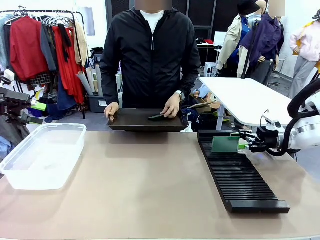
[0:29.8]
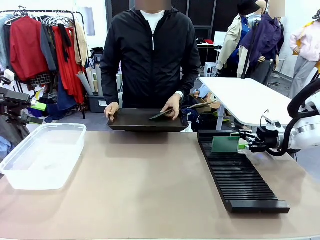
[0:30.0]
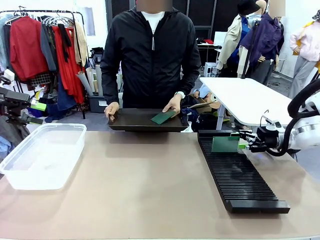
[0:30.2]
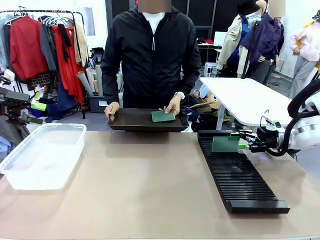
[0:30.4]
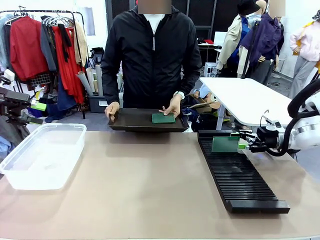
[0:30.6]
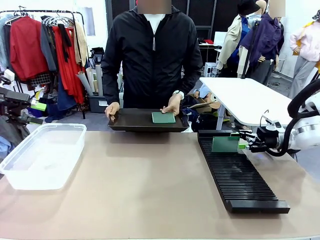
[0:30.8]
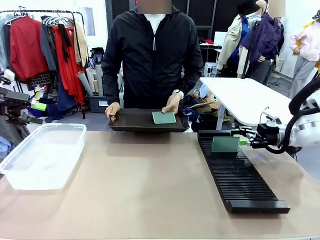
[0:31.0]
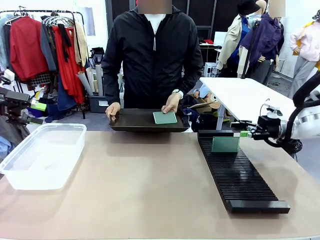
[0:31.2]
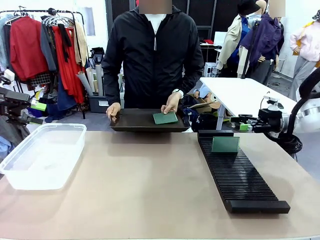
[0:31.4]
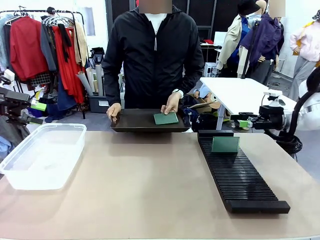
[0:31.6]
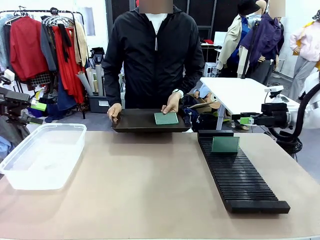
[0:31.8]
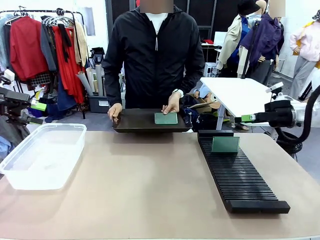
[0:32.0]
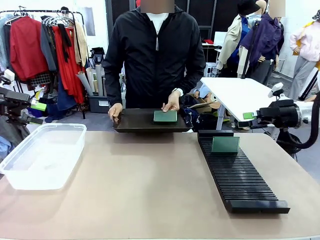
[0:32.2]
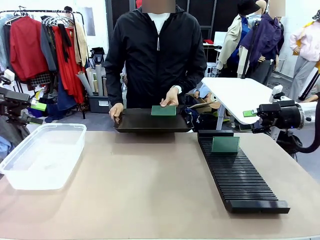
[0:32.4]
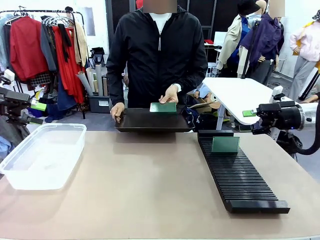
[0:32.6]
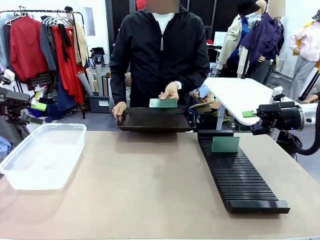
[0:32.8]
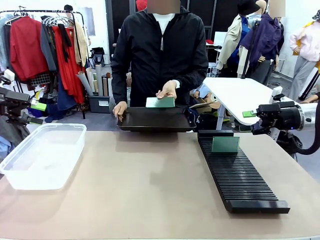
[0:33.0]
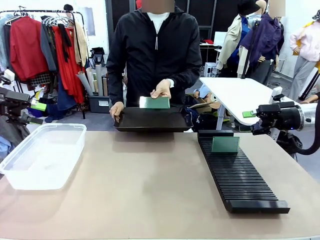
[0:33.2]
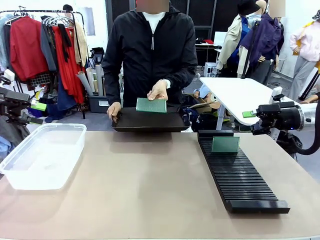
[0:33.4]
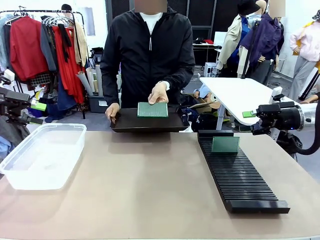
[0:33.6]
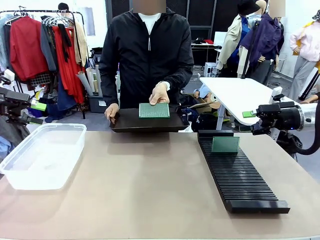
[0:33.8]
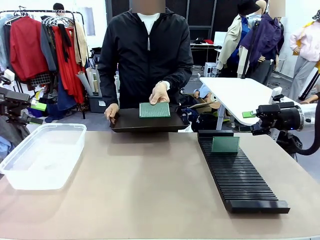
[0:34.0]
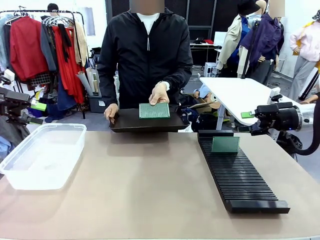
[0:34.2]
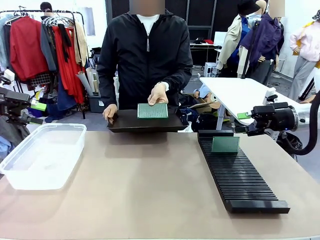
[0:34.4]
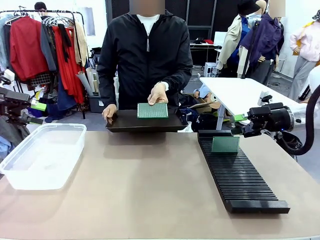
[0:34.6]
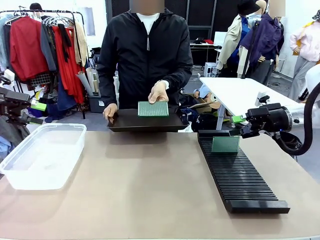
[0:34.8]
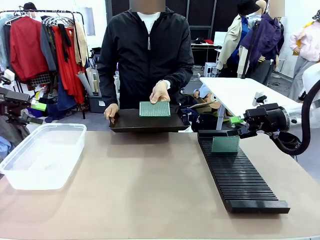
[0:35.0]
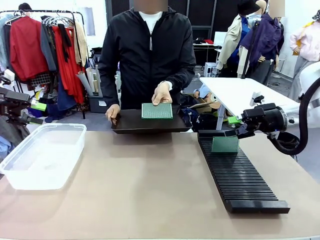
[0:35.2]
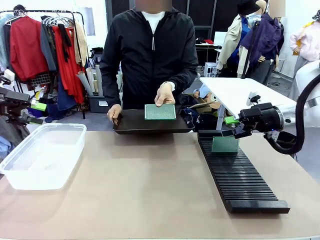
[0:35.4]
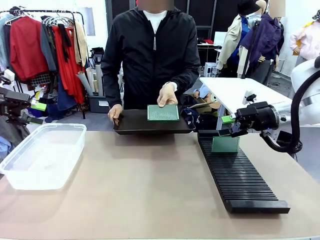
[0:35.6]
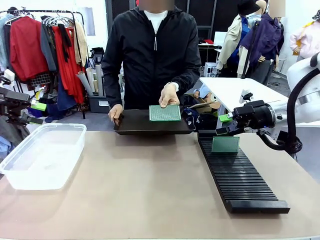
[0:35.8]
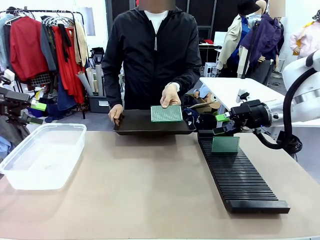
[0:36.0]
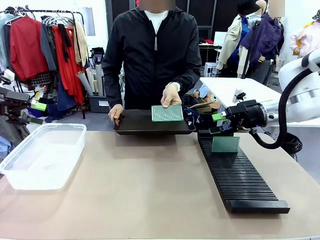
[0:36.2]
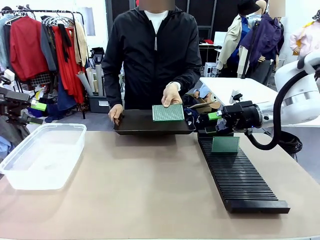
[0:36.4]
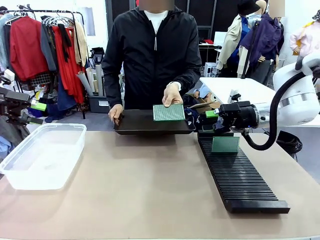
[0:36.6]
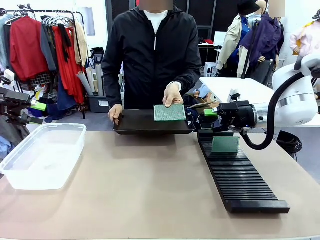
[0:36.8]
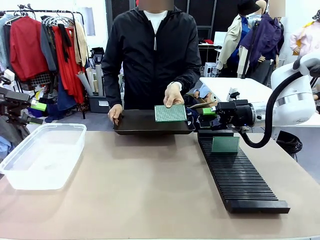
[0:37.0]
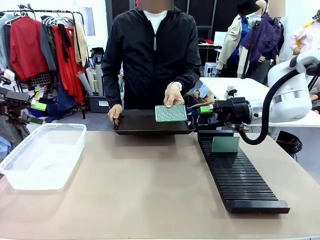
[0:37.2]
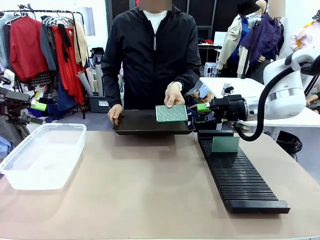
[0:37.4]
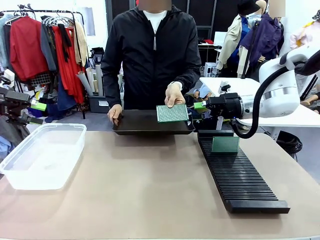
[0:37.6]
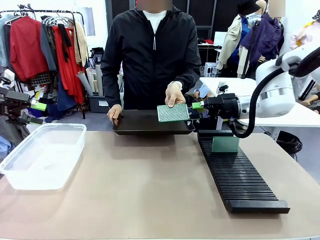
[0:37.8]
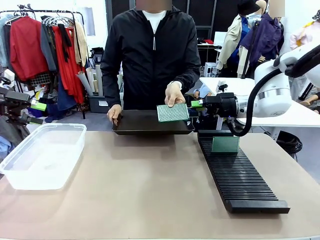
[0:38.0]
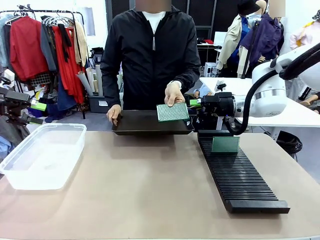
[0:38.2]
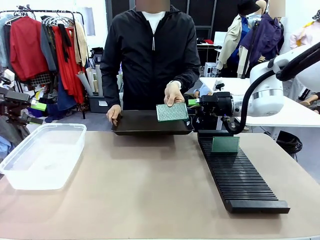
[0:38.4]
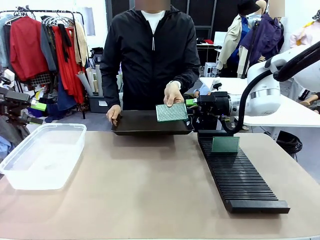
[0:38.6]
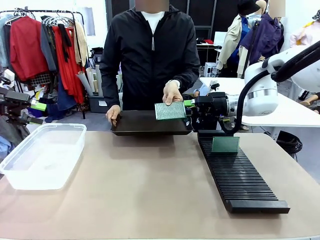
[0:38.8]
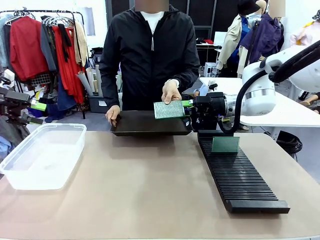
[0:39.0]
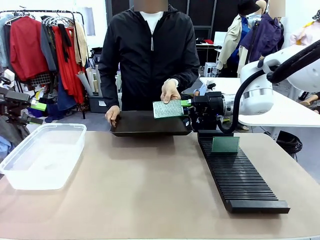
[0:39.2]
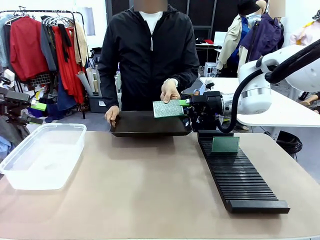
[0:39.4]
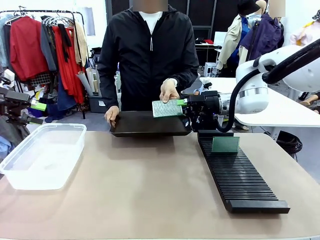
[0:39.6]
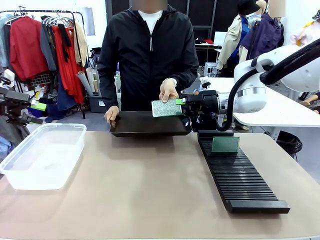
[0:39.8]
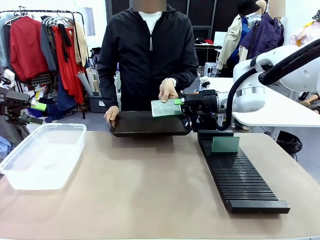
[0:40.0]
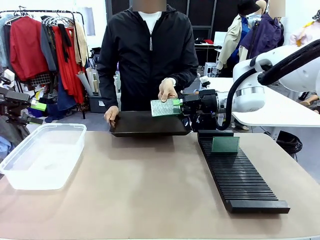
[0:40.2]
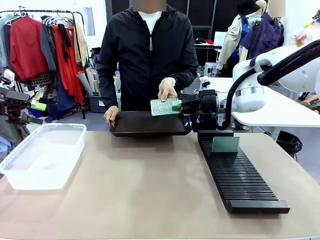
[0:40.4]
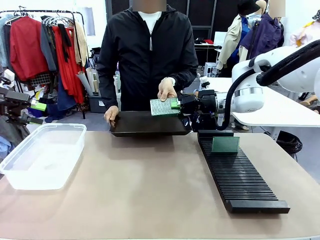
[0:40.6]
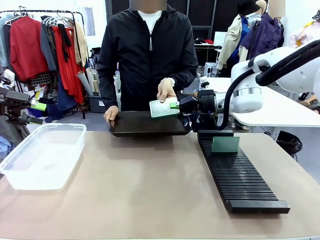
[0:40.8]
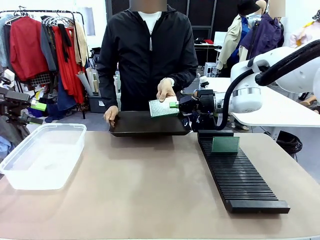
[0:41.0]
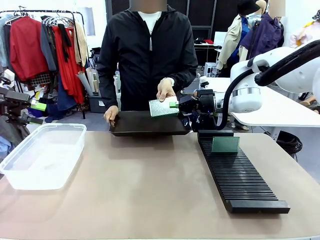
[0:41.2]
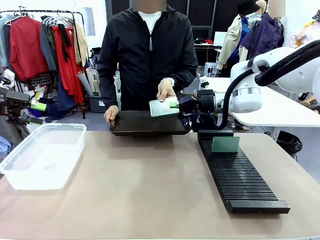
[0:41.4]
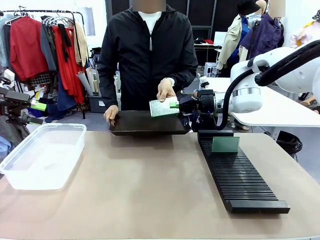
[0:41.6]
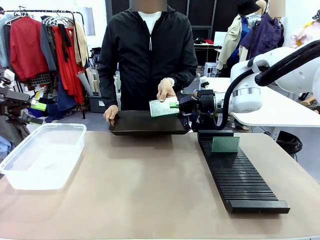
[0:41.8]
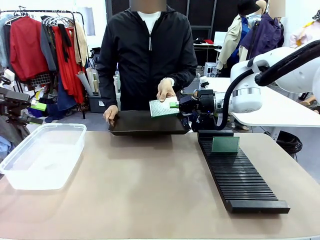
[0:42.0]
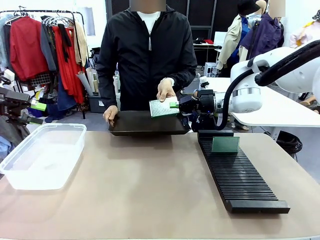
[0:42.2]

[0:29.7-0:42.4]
Task: Sort PCBs into racks and boxes based on the side picked up.
Robot: Pick up the Blank PCB handed by the Human.

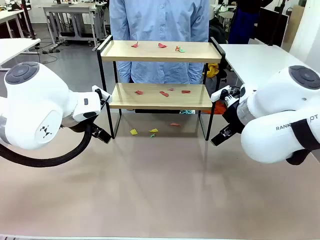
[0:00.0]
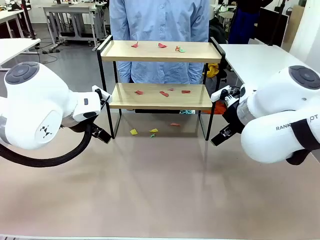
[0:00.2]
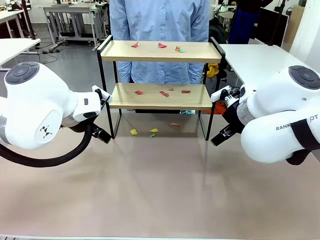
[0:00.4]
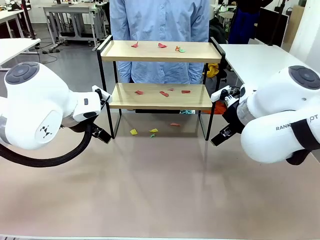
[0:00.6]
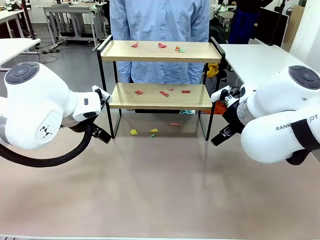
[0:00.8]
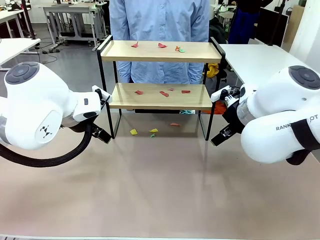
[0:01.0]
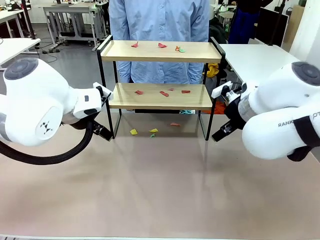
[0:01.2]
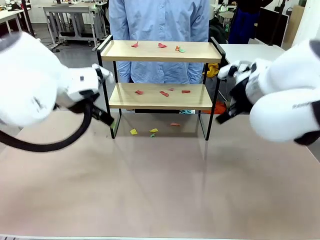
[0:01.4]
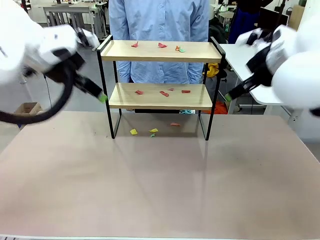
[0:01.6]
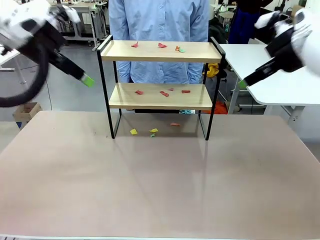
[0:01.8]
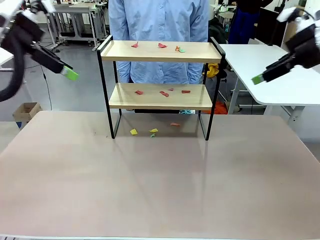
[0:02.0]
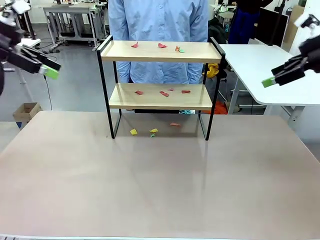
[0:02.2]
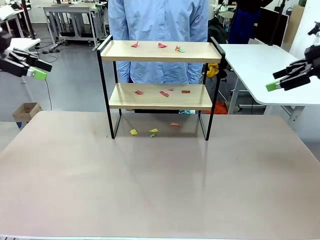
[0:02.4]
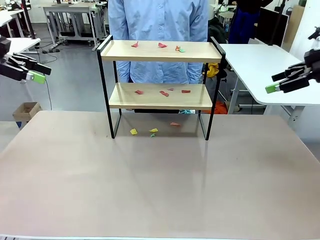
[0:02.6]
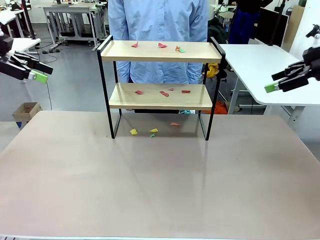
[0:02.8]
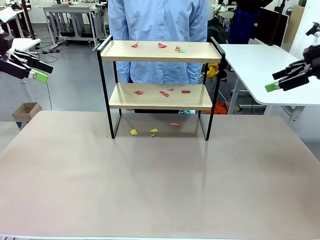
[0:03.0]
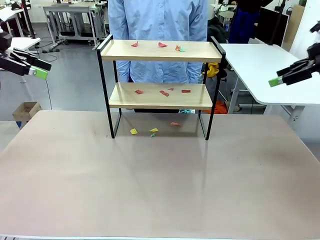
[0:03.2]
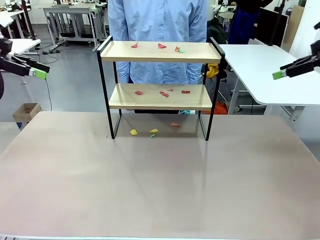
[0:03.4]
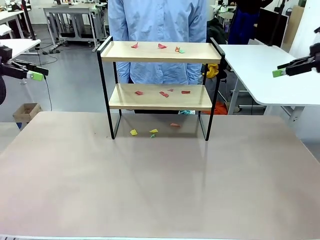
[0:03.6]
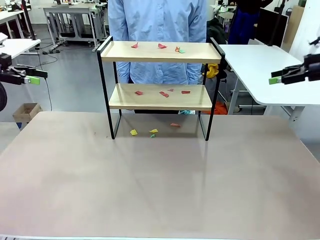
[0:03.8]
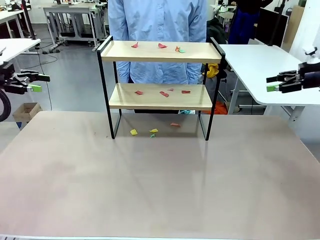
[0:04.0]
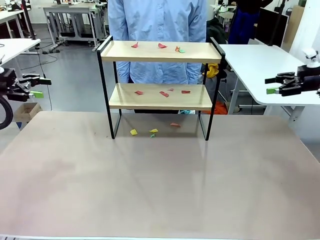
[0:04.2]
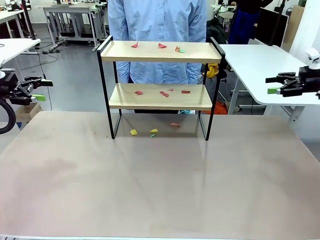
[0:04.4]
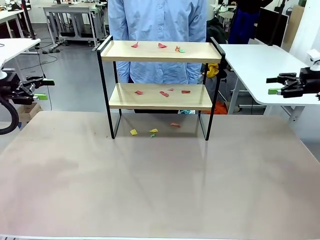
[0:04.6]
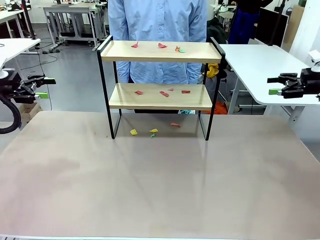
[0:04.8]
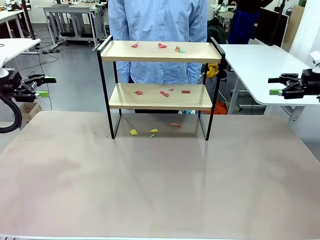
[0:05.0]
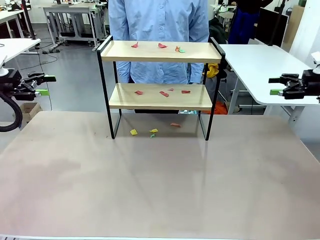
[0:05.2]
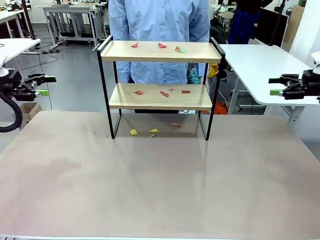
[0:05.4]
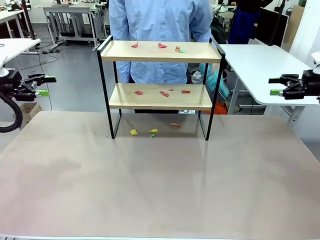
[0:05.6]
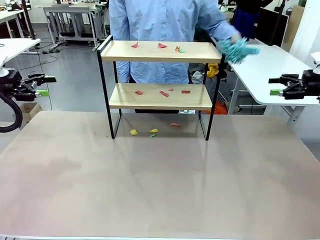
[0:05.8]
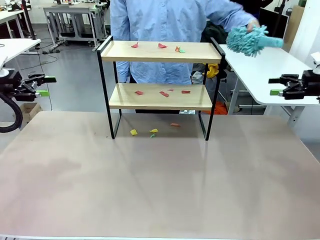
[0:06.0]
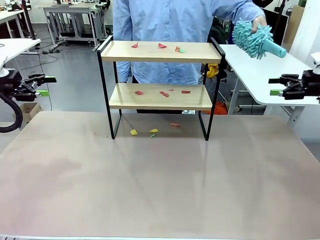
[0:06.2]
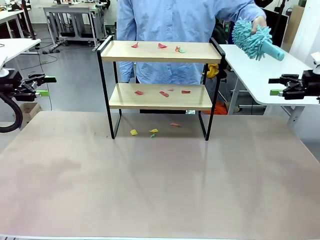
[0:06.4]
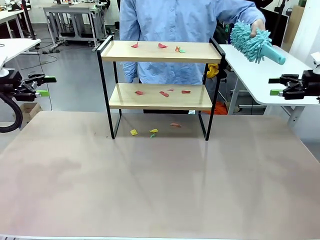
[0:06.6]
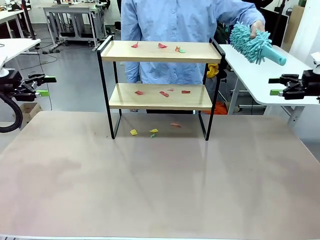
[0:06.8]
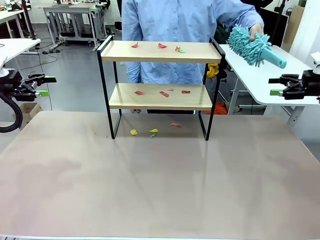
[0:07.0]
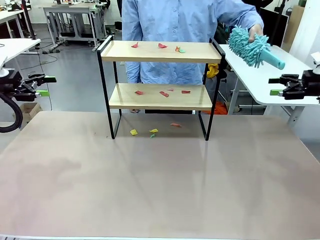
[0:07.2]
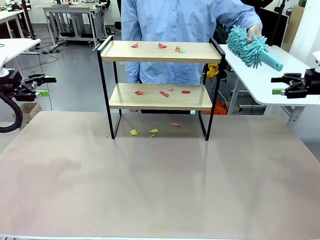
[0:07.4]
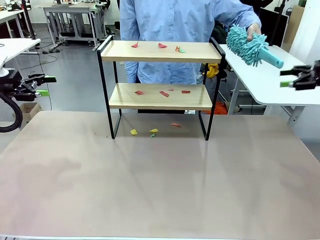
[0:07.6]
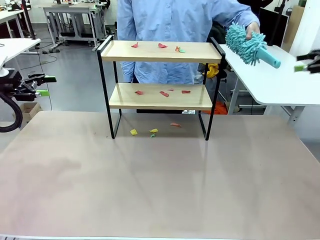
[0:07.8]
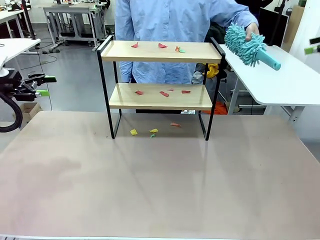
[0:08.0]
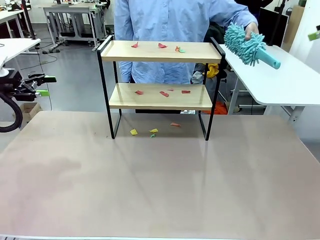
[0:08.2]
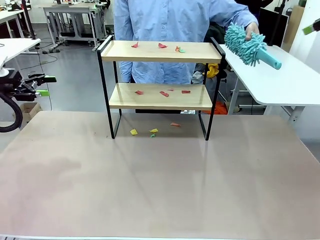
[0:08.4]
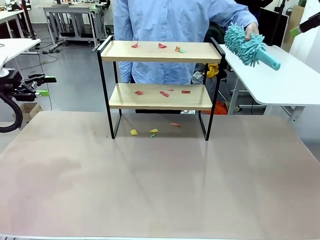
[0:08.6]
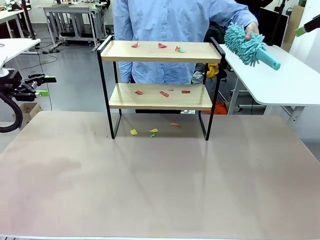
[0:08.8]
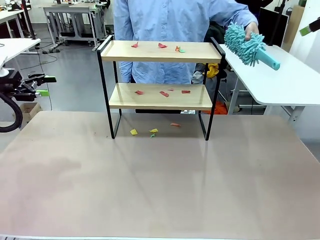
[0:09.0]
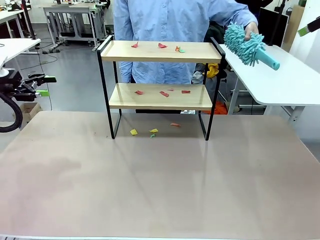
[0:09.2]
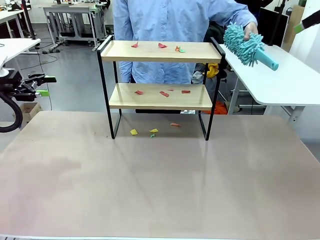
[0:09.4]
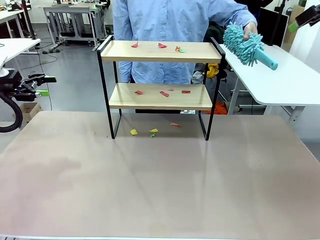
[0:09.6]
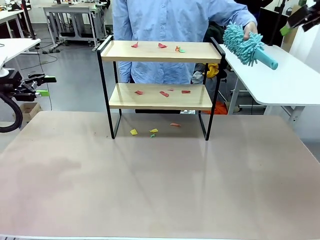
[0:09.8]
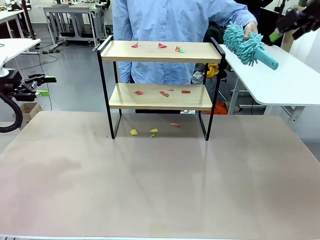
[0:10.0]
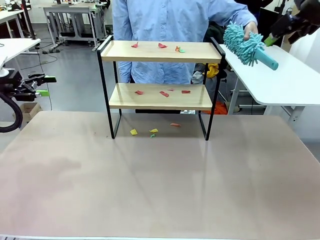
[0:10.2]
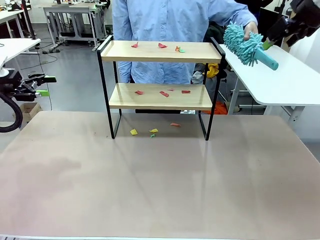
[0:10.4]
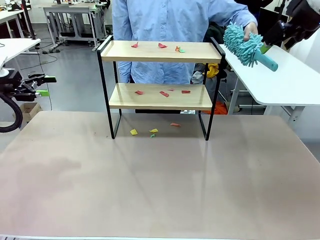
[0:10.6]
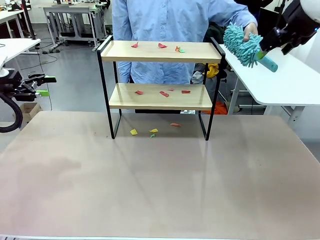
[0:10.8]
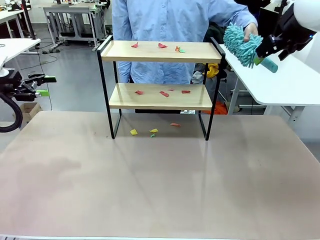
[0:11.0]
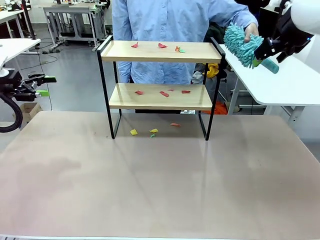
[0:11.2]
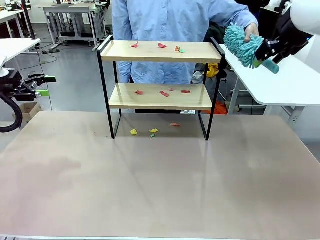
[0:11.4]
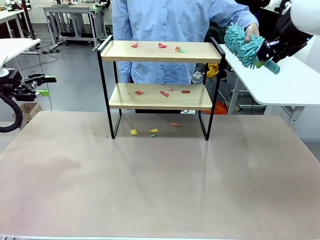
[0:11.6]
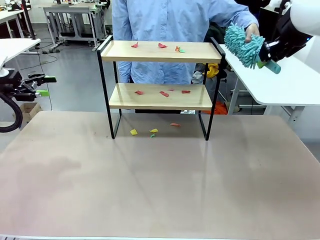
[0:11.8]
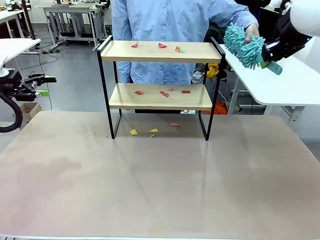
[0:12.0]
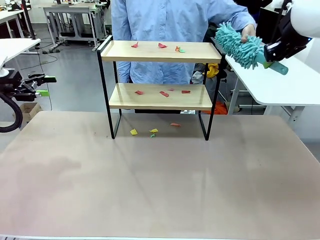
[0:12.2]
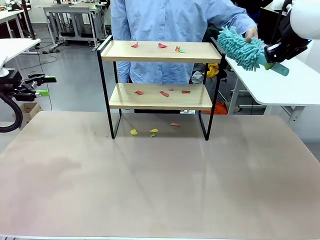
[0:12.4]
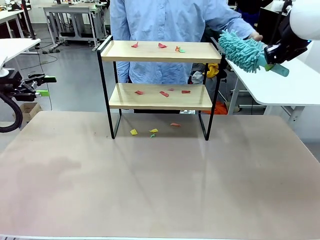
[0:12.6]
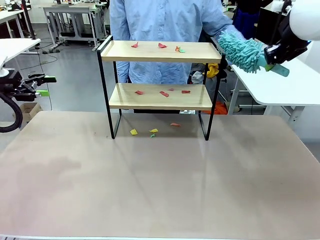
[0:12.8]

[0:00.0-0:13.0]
Task: Clean the shelf.
Robot: Pick up the Duster handed by the human.
Person: Hand the Duster to the robot.
